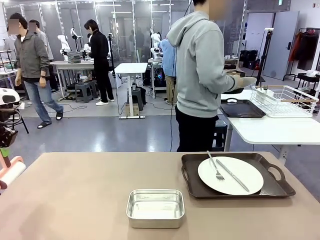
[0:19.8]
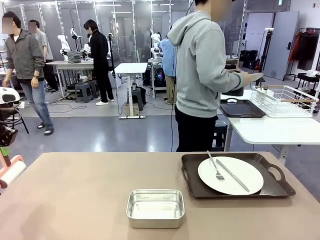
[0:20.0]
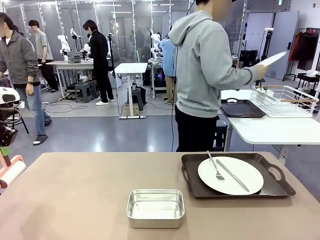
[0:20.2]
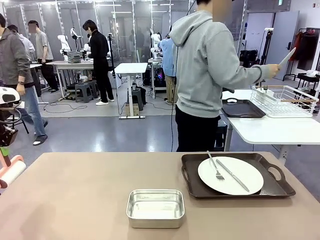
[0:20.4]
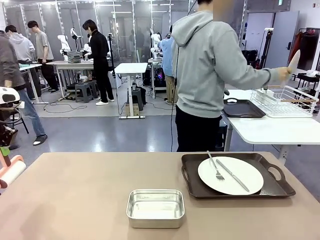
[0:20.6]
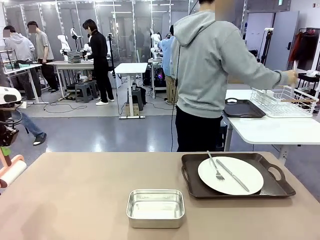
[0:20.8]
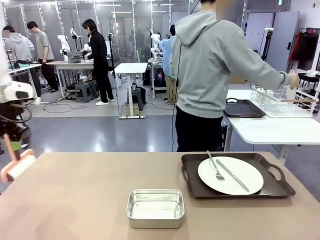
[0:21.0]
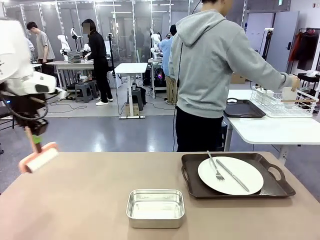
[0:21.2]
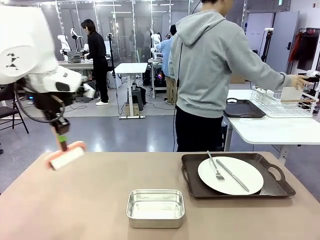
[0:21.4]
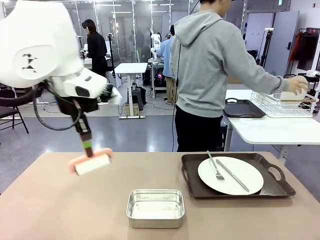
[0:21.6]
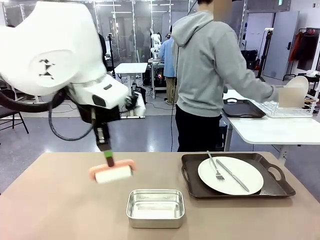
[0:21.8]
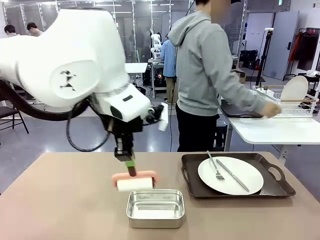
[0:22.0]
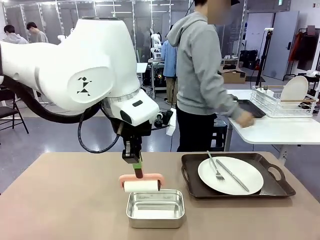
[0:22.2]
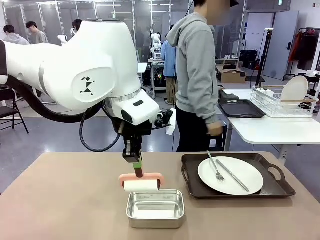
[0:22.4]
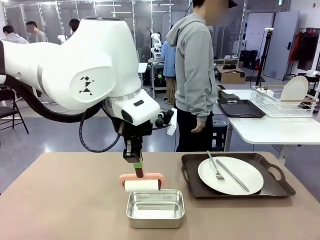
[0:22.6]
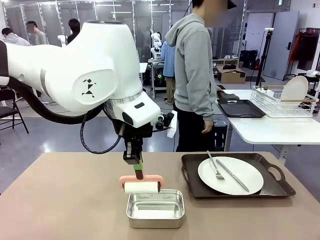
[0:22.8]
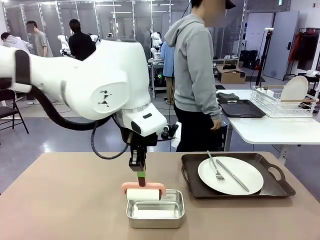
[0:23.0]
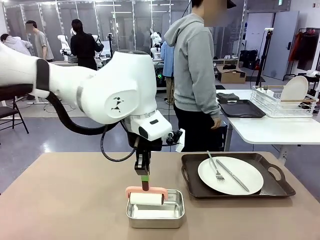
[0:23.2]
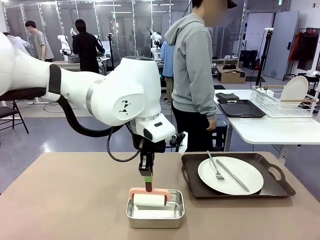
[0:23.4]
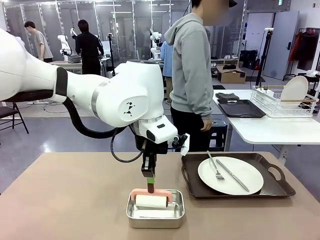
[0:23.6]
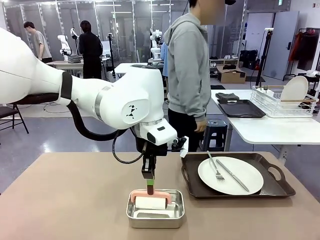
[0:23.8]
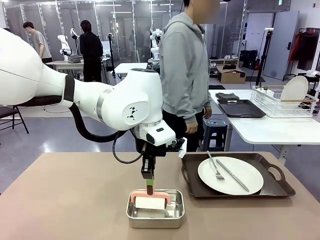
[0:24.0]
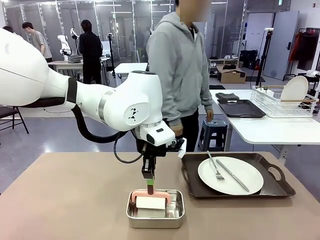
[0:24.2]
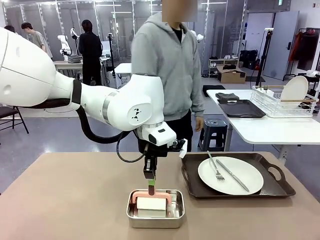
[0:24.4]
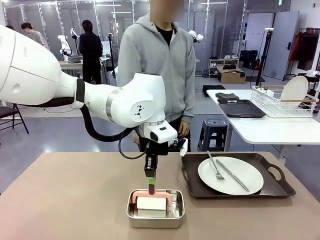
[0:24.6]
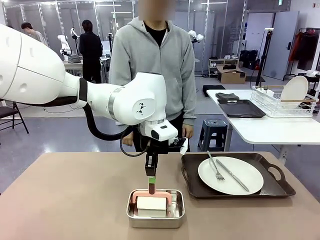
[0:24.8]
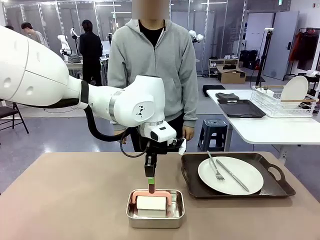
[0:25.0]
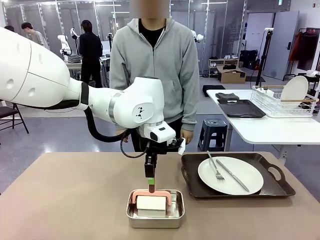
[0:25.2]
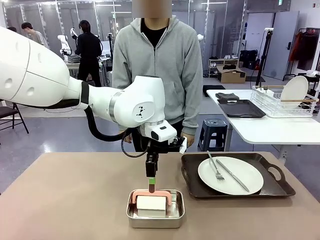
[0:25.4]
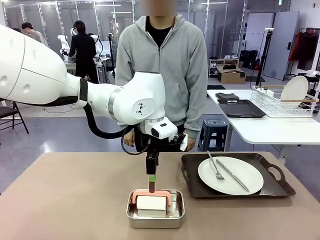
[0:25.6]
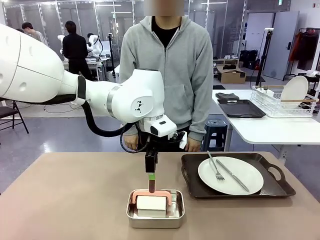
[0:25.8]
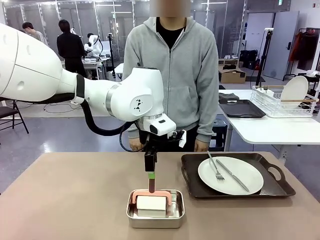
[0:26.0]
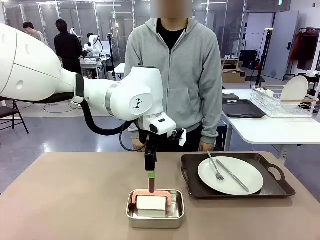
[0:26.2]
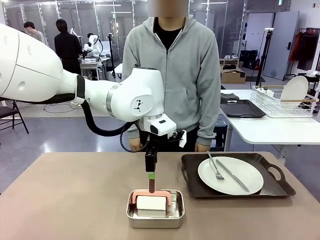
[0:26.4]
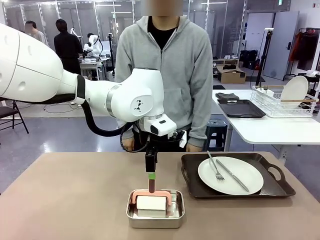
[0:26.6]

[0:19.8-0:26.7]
Robot: Place the Lint Roller back on top of the Airtight Container.

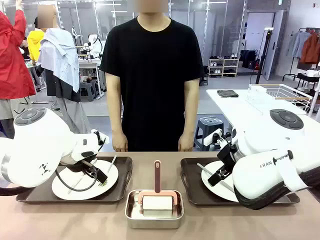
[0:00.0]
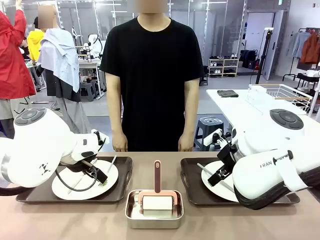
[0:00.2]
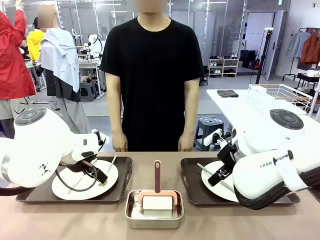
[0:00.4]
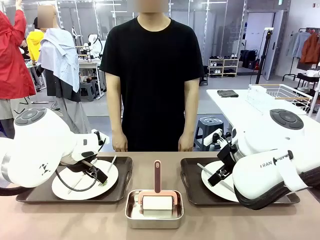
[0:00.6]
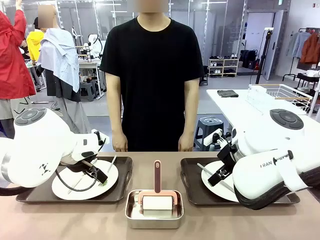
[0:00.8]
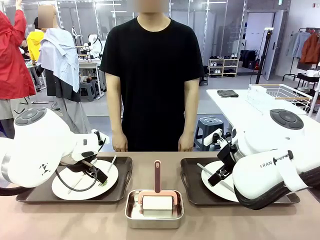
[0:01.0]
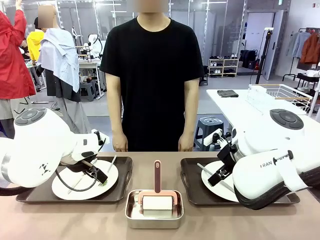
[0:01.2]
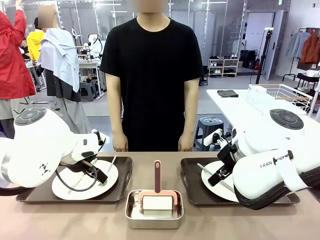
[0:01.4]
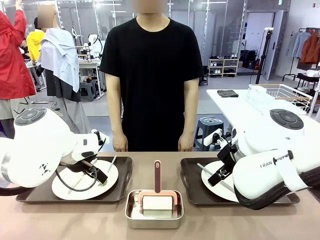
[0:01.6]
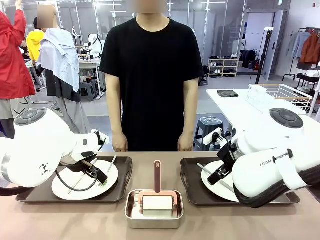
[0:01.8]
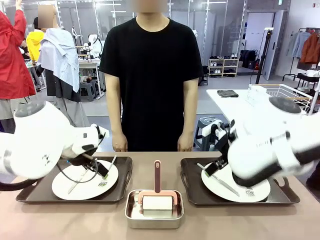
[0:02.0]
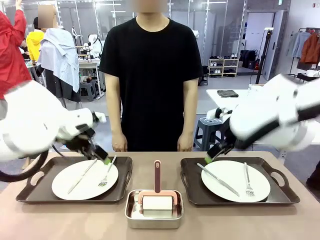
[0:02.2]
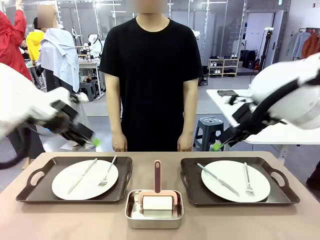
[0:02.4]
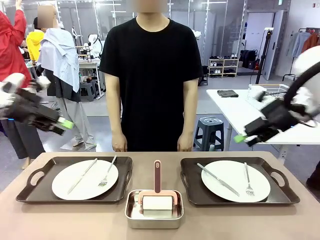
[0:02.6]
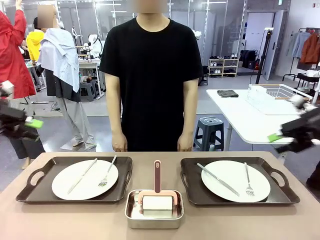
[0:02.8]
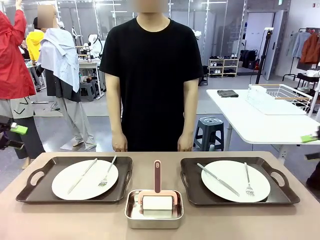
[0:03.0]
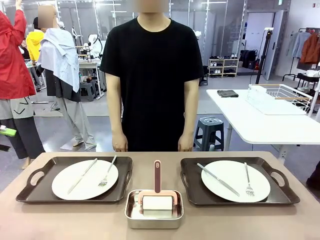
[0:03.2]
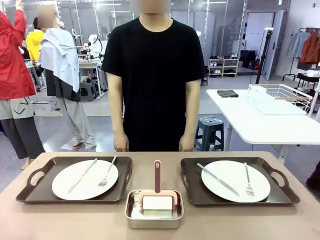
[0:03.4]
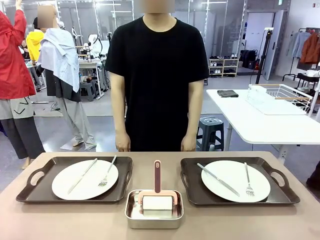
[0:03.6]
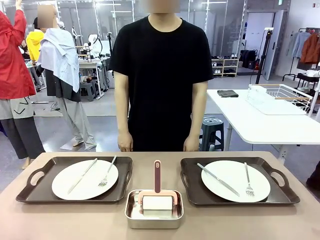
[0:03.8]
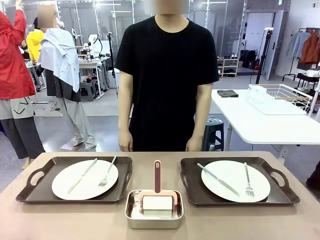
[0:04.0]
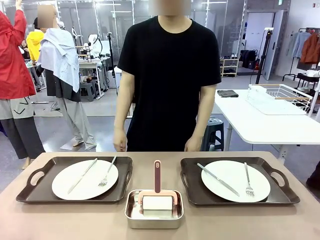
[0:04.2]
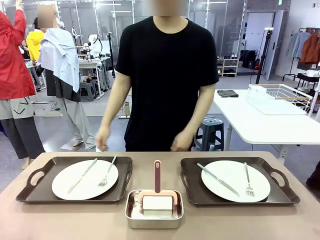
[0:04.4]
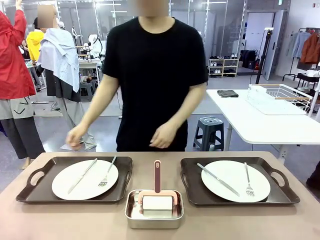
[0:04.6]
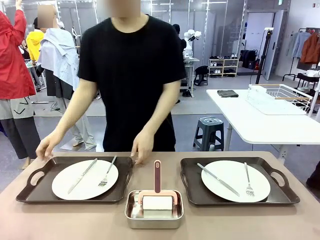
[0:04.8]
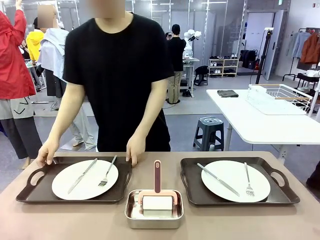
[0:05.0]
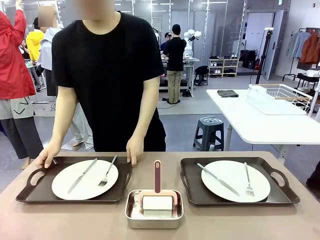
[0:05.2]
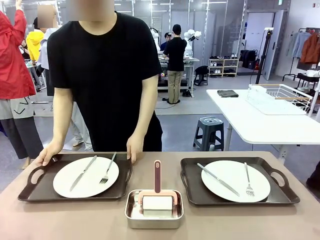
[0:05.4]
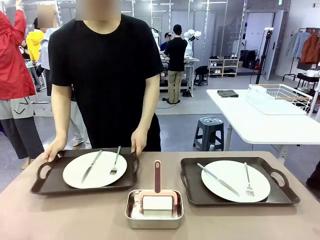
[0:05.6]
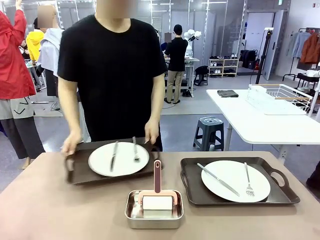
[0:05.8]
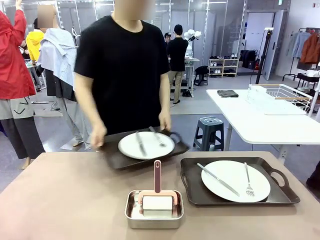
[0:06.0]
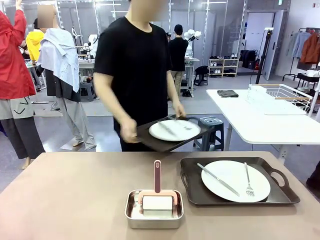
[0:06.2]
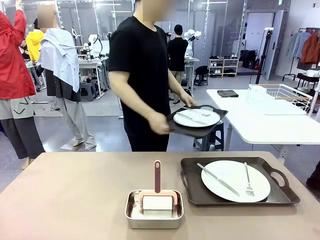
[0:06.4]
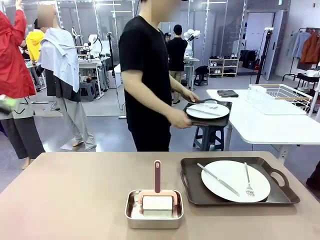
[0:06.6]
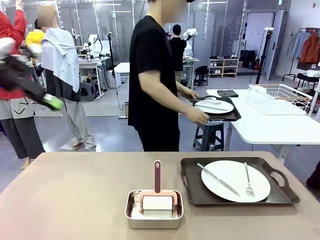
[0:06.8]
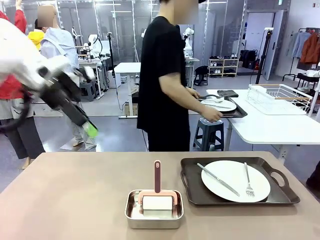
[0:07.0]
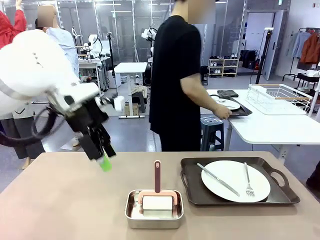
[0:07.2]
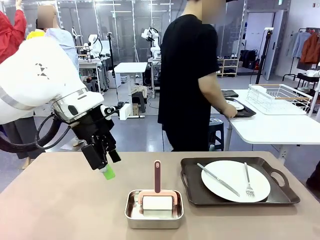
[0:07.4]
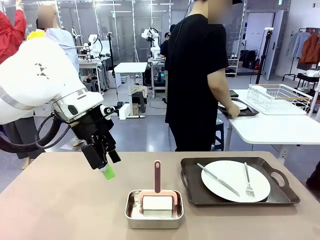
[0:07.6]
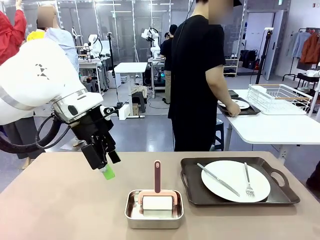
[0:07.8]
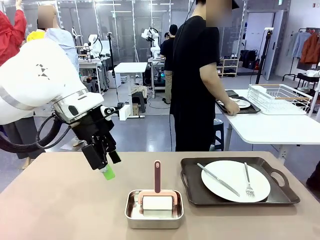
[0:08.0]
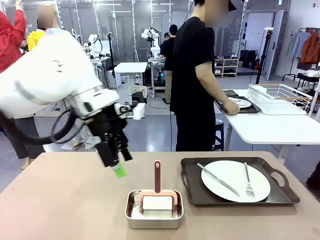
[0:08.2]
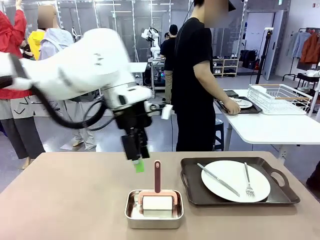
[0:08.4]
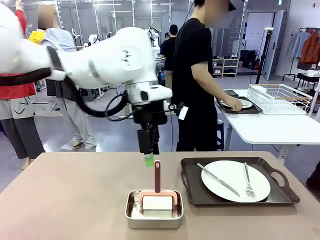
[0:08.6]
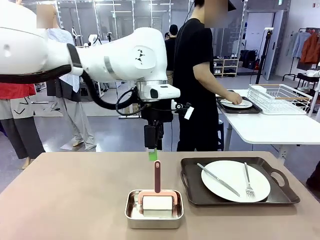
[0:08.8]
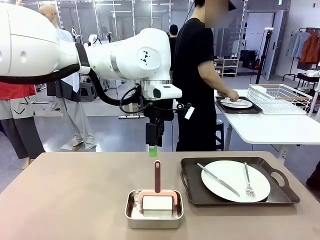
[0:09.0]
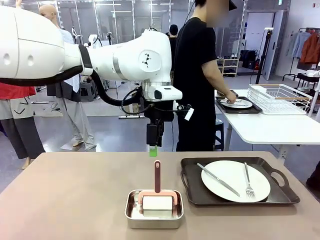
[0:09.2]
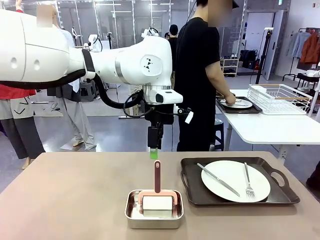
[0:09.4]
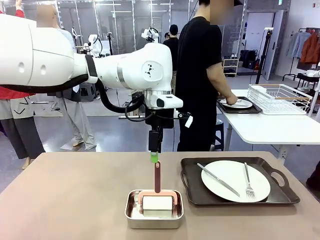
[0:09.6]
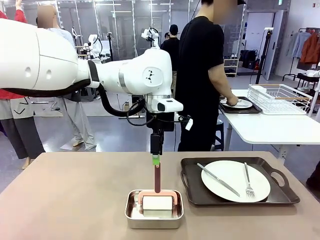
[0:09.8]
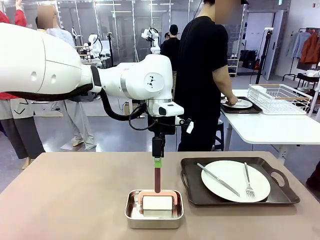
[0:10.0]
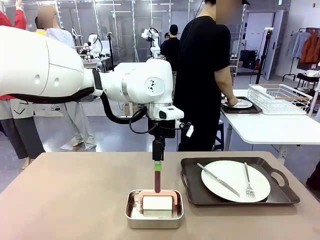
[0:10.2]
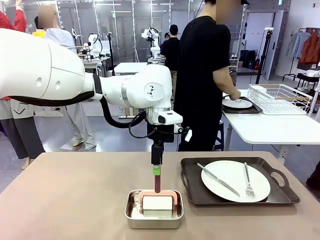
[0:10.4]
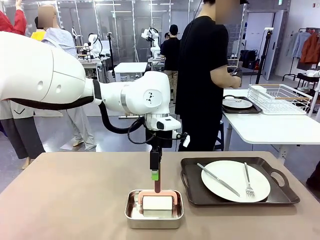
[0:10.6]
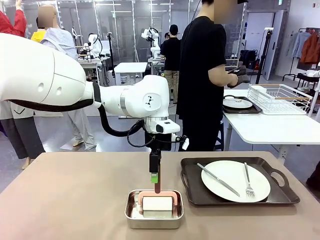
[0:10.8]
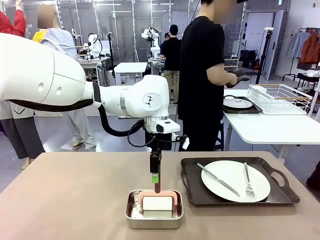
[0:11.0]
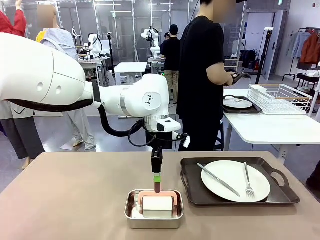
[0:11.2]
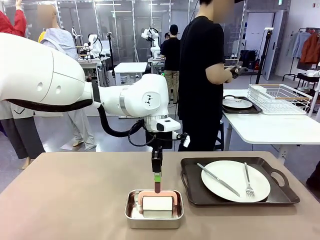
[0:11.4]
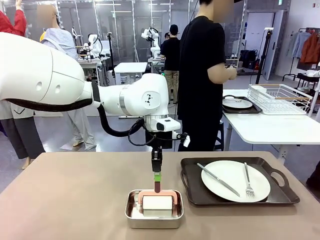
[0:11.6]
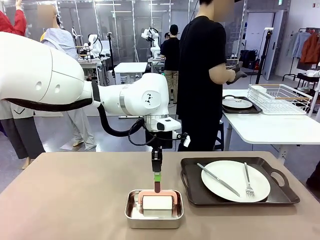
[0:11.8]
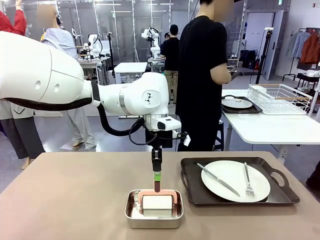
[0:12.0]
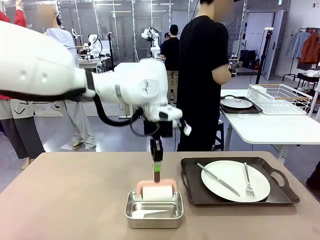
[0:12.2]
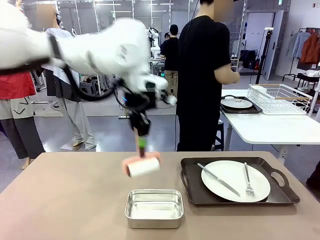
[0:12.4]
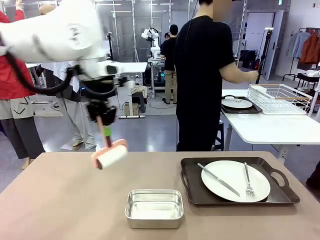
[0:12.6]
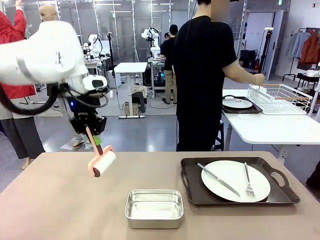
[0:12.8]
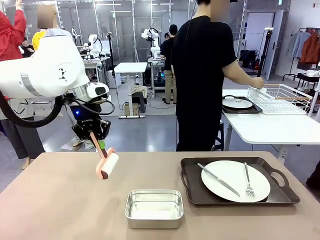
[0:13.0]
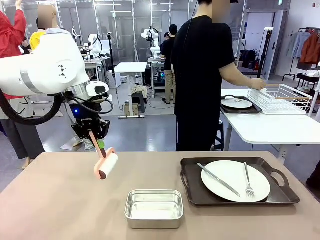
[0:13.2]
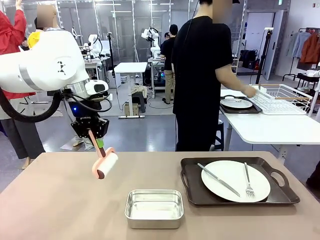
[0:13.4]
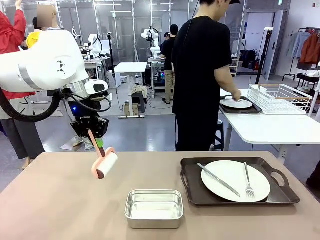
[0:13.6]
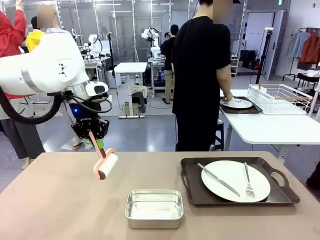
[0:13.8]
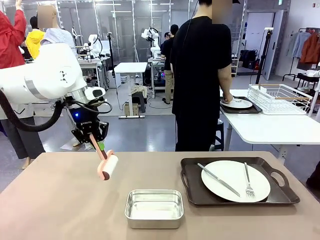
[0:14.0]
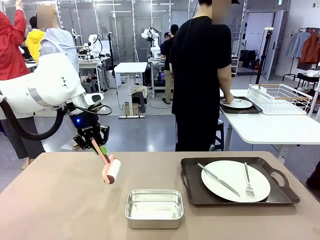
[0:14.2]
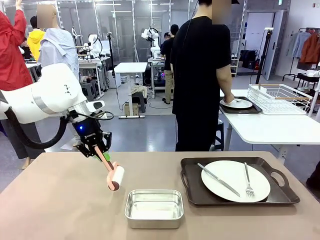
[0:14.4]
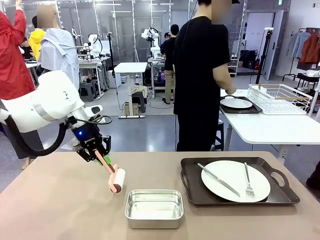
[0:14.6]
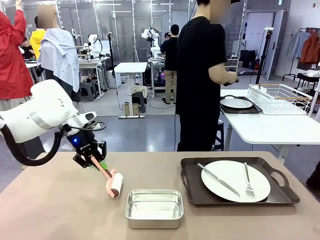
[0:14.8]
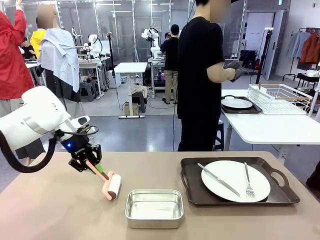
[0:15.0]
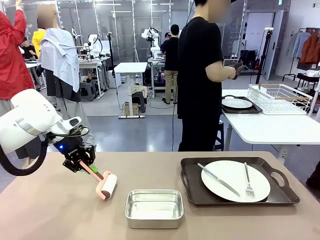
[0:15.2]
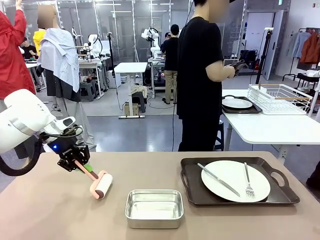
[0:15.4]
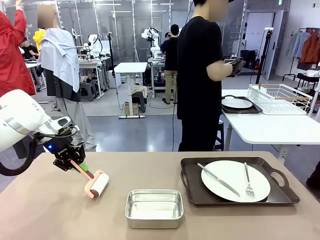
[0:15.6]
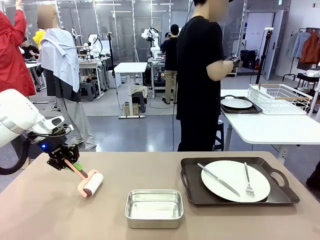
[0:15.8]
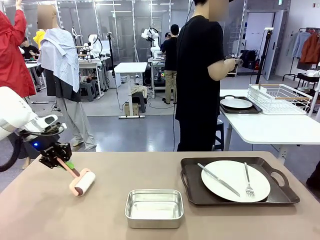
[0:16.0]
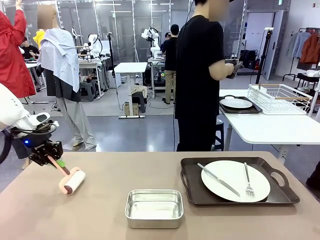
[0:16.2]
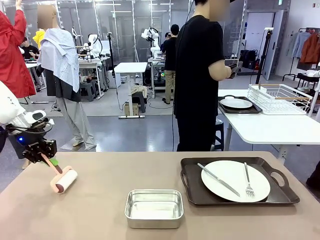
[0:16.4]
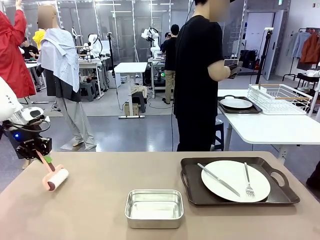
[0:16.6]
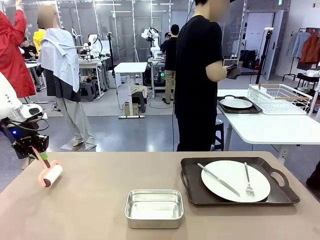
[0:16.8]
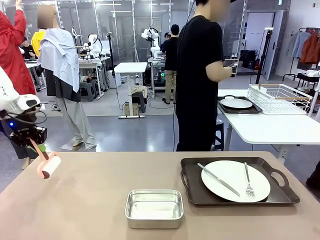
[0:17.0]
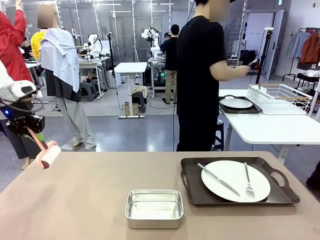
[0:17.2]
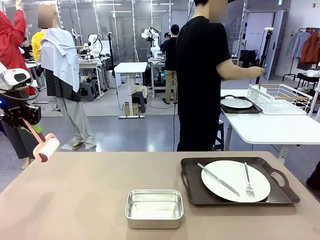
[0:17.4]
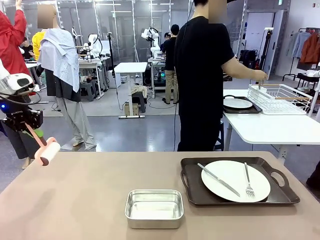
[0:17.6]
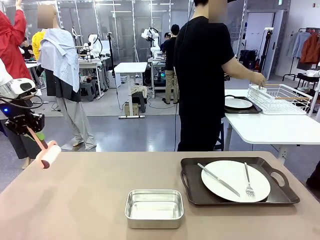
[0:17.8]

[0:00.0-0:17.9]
Robot: When the left (or right) Handle tray is removed, use the left hand (or right hand) to clean the left (or right) side of the table with the Lint Roller.
Person: Pick up the left (or right) Handle tray and place it on the middle of the Human's table. Use the Towel with hook to wipe the Plastic Matte Plate , Fork , and Knife and place into the Dish drying rack.
